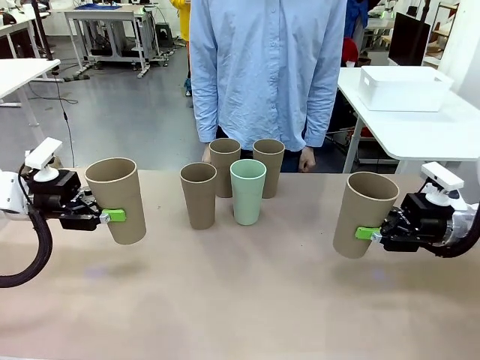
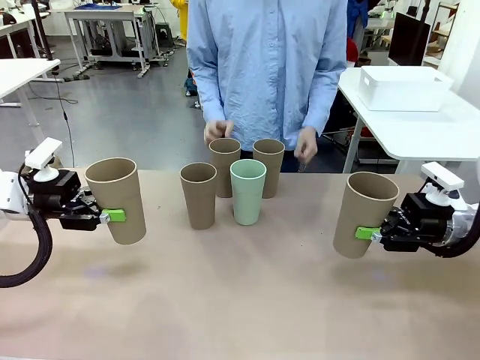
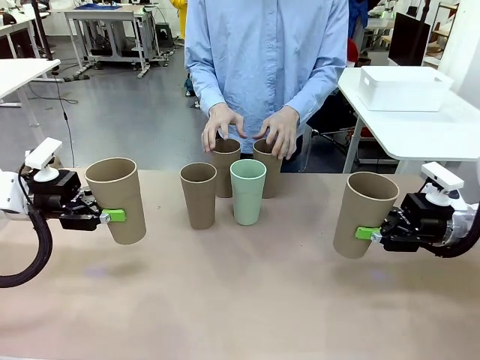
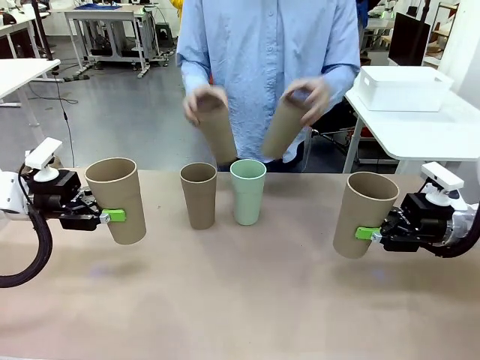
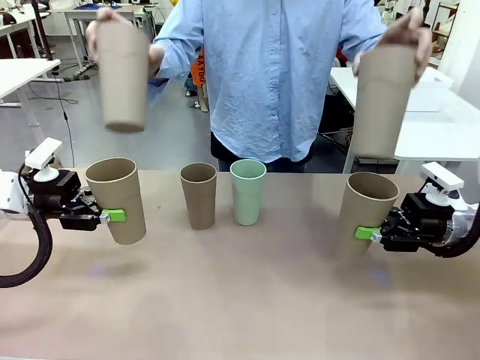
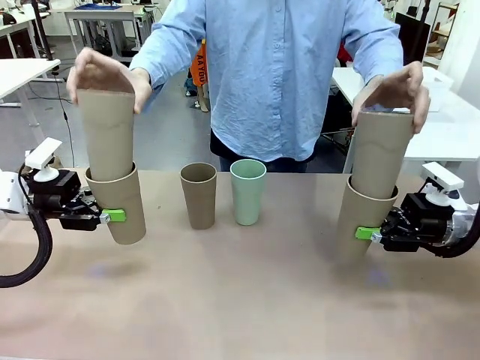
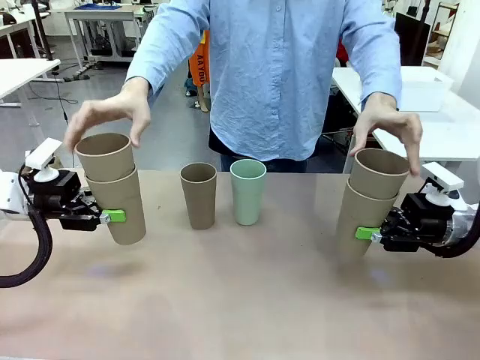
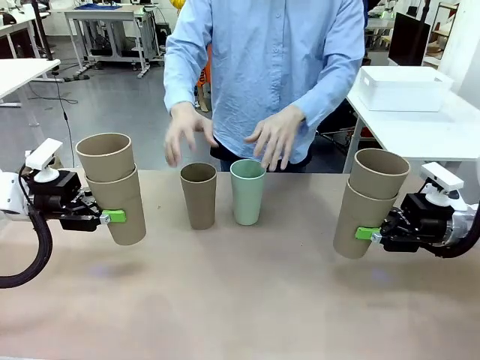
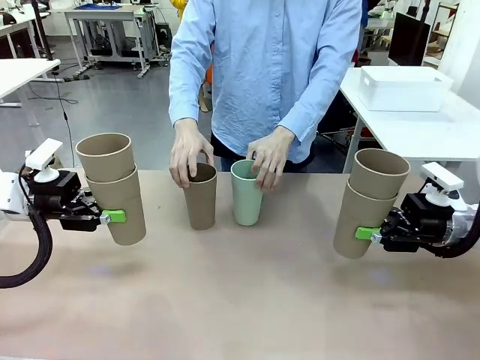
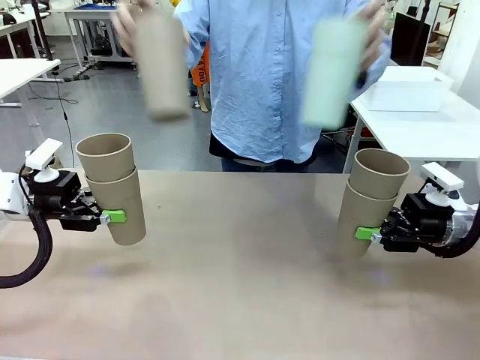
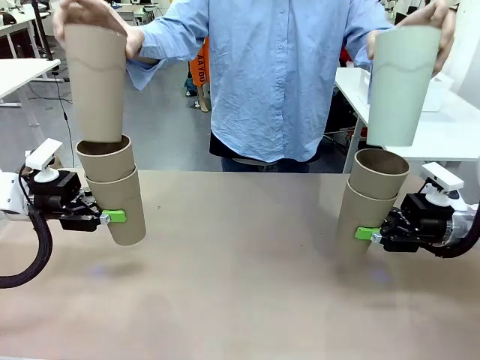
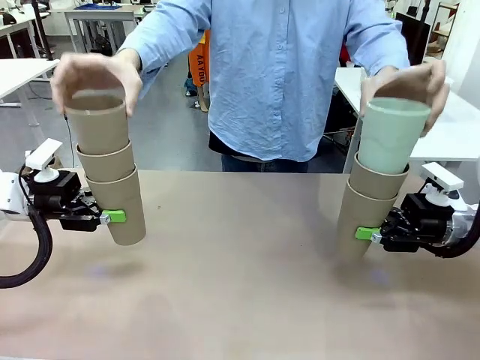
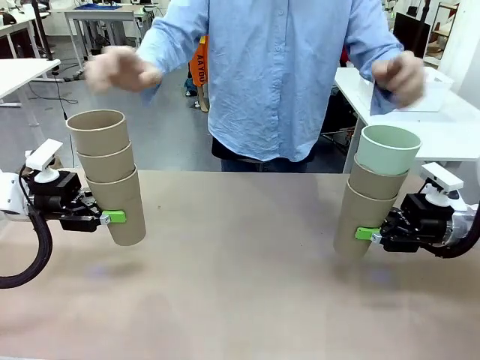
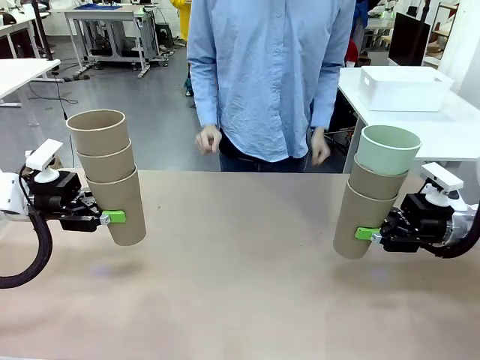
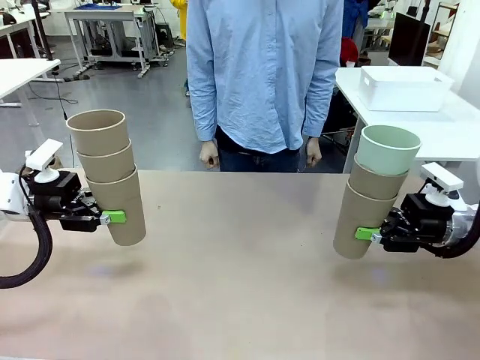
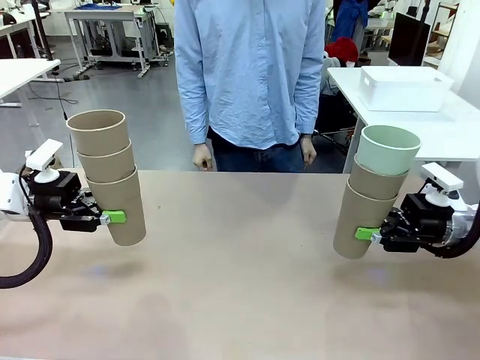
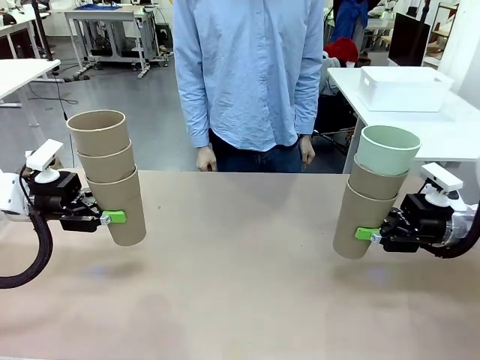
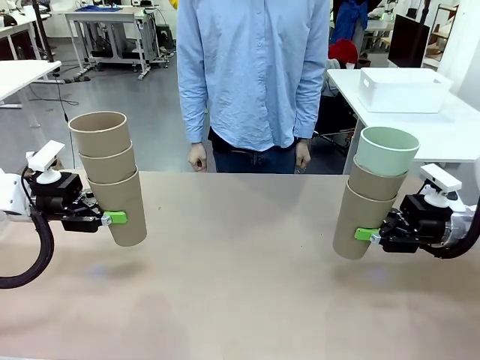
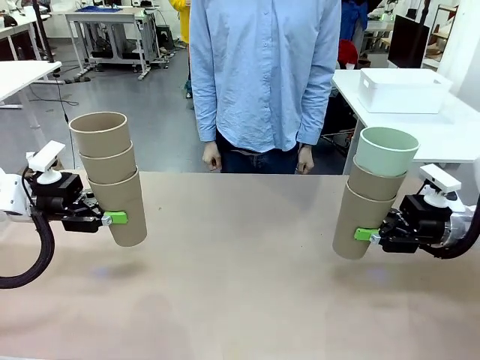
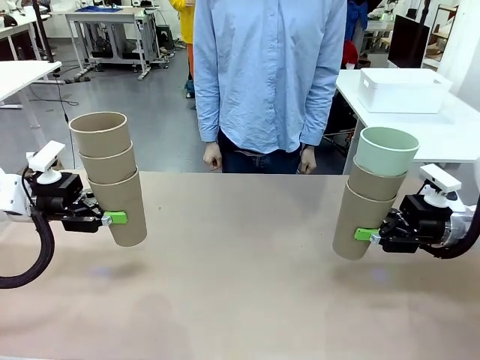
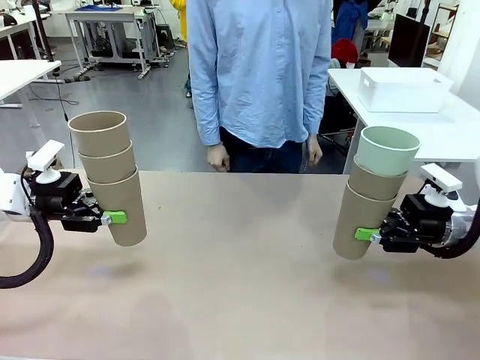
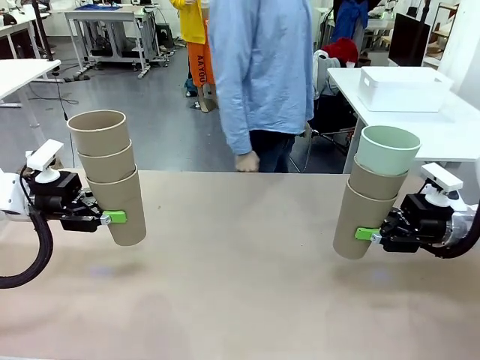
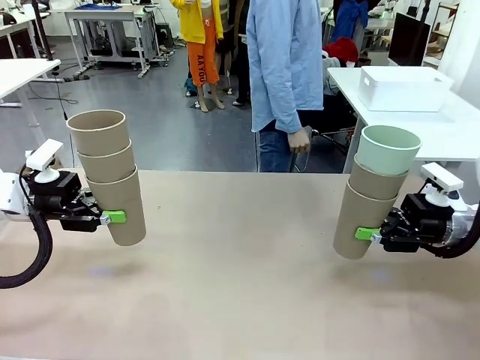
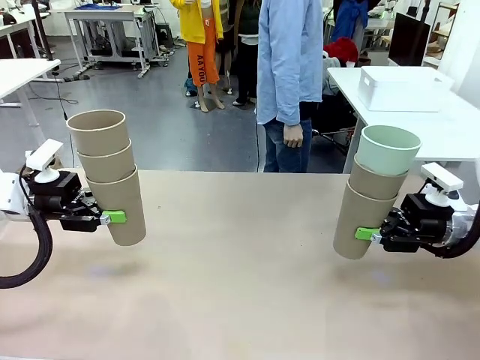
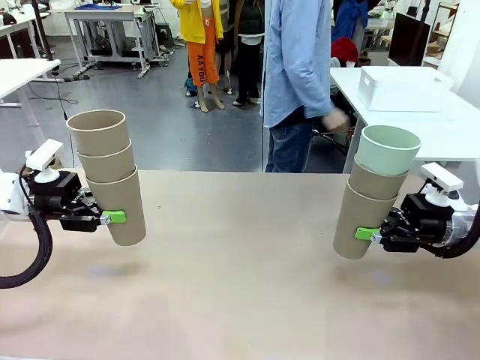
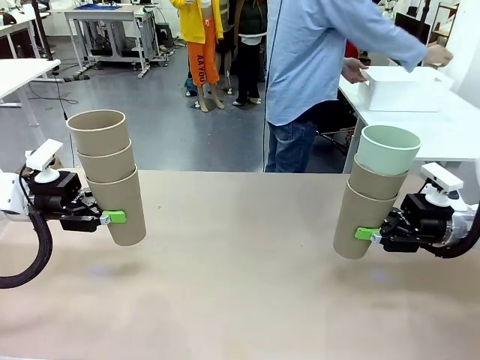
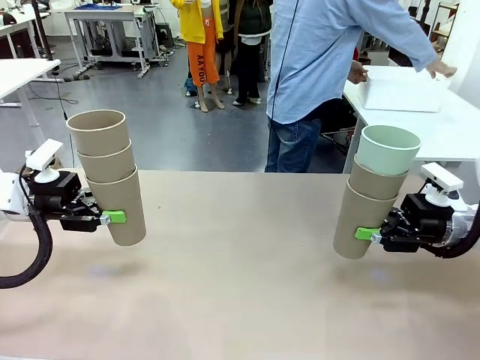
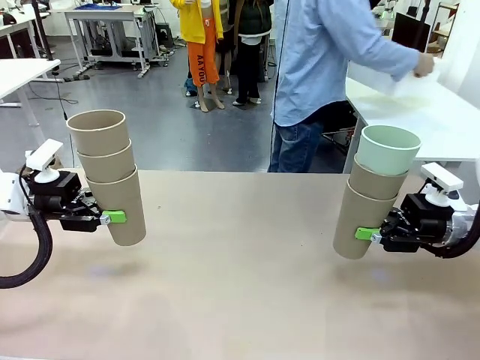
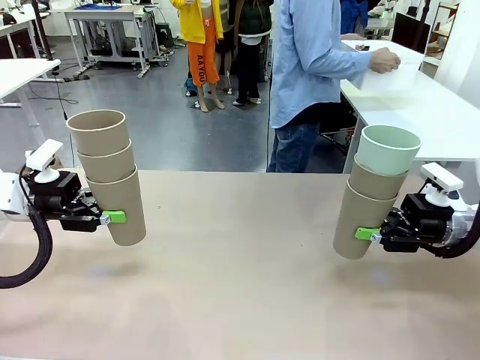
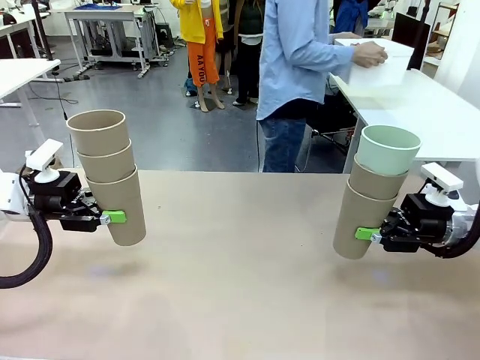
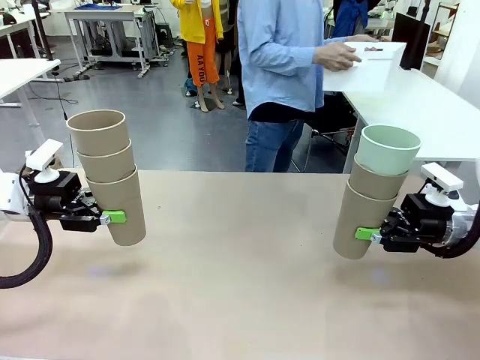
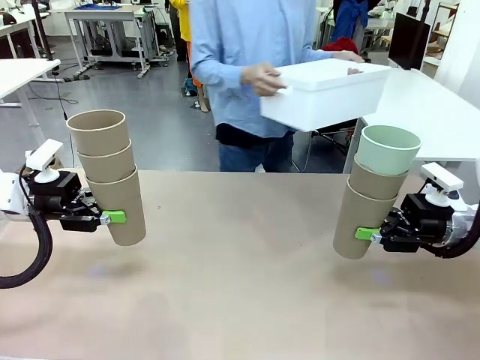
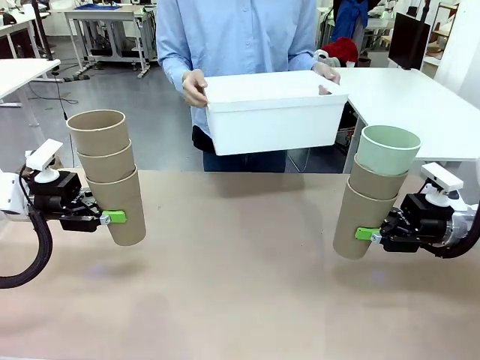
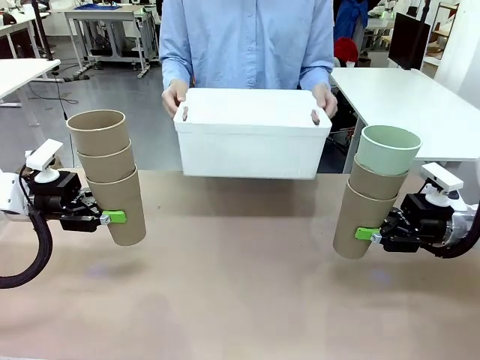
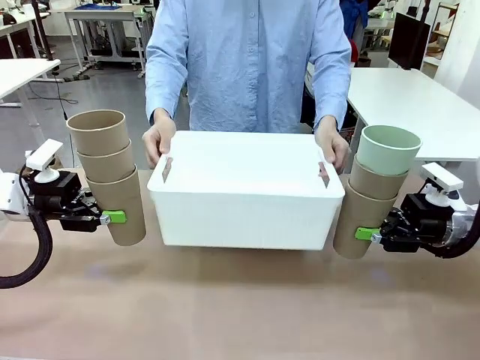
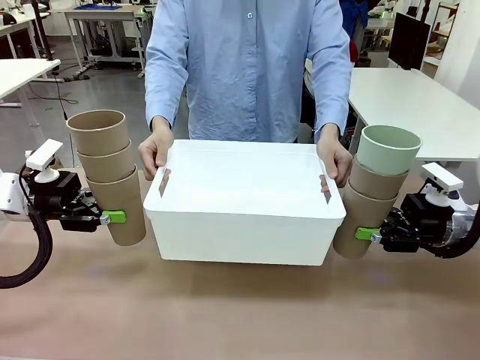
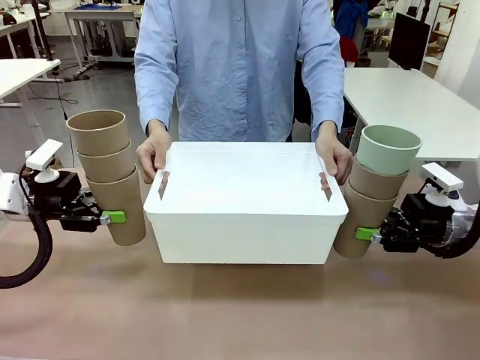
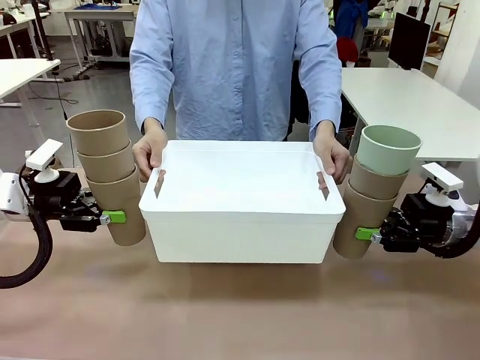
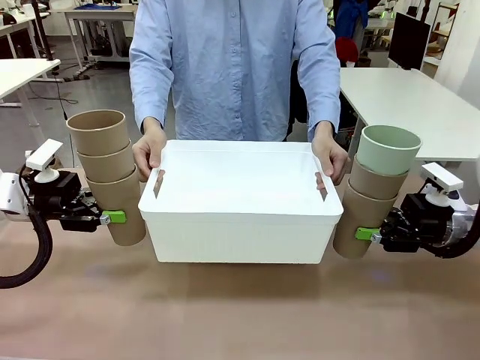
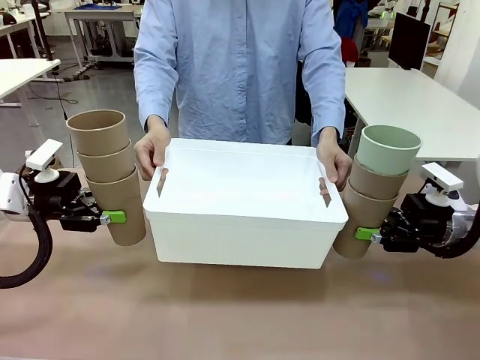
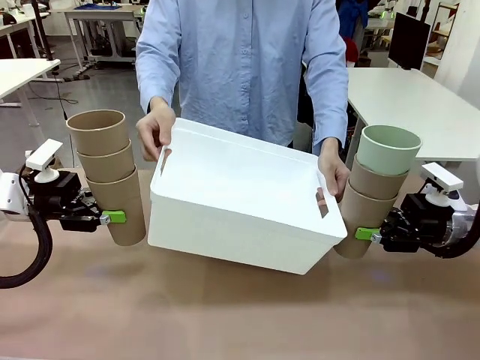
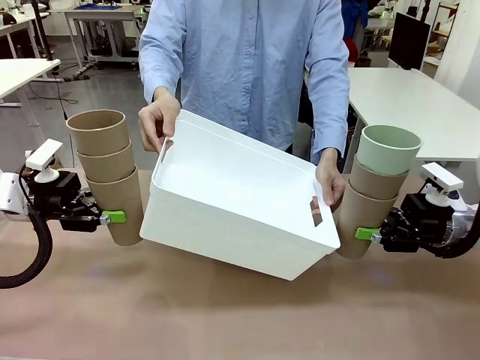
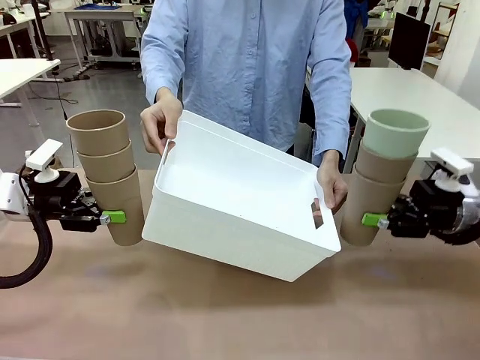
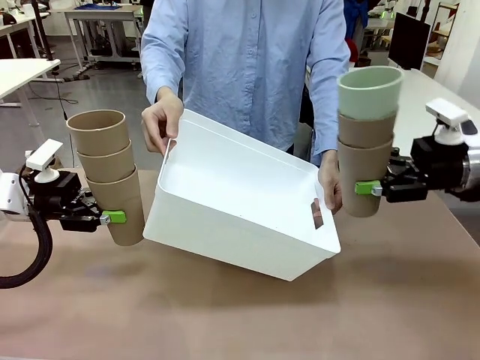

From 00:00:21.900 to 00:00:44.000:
Task: Stack the cups and store them in the basket.
Robot: Place the stack of Reusable plastic cups into the Pantry Basket.
Person: Pick up the basket from the Human Table, bring it to the front of the robot, and present it.

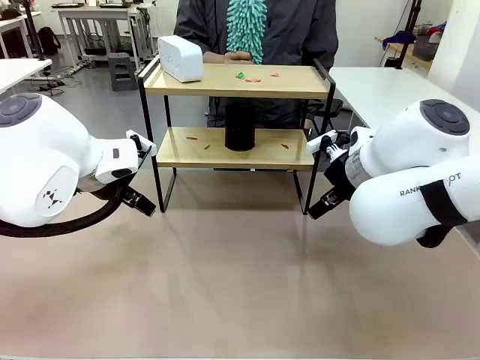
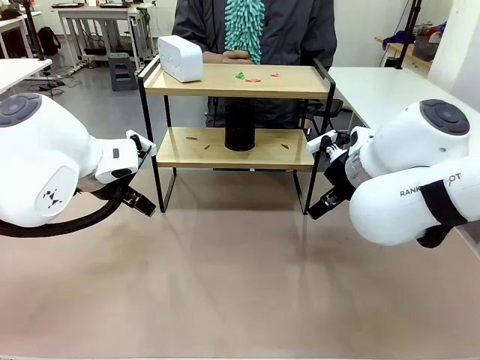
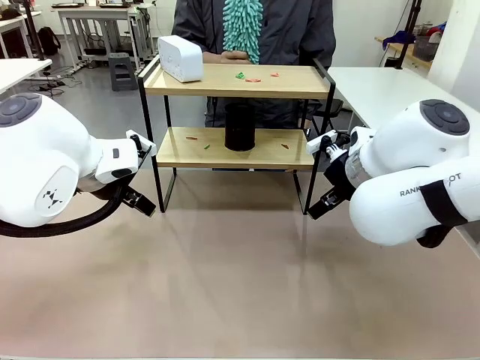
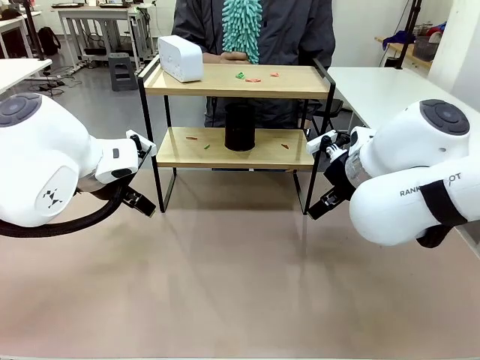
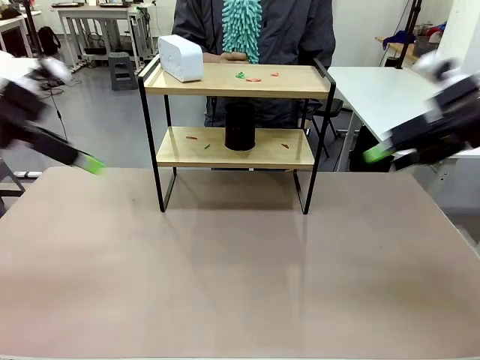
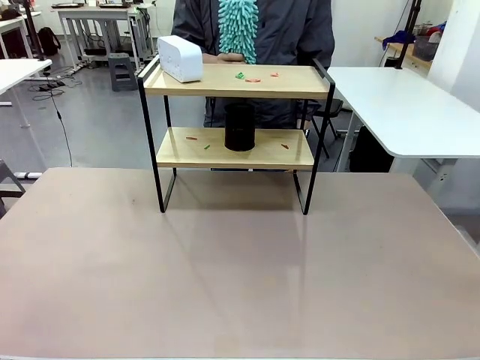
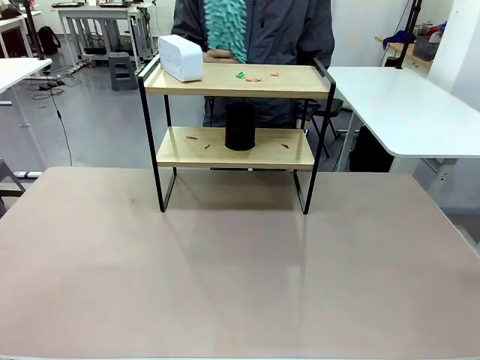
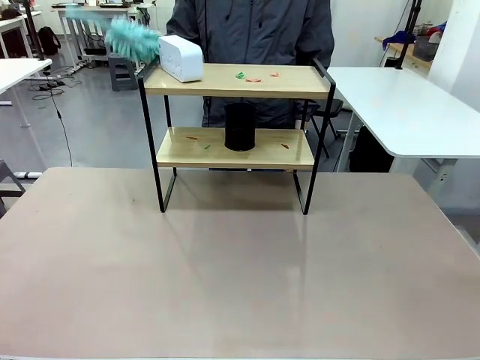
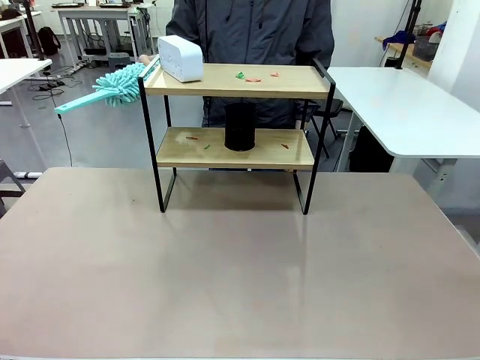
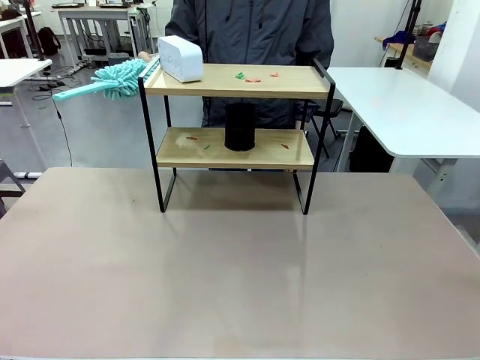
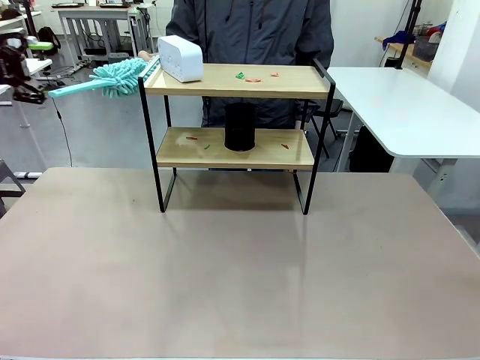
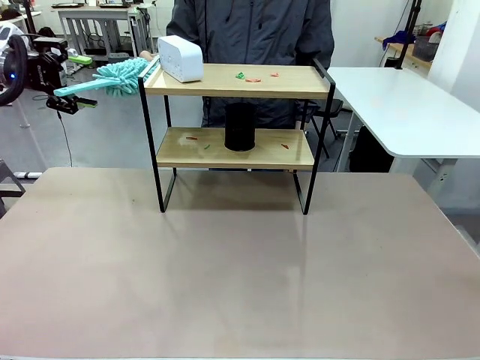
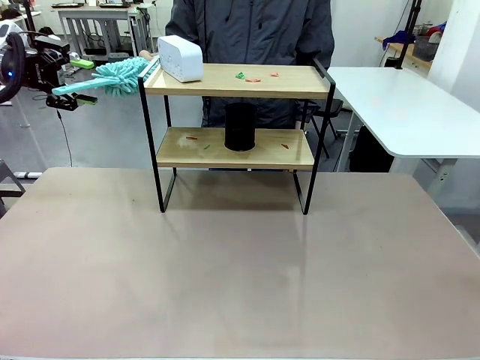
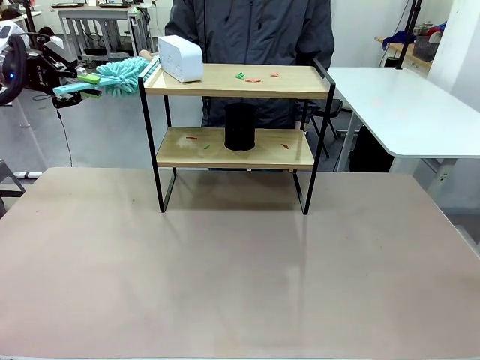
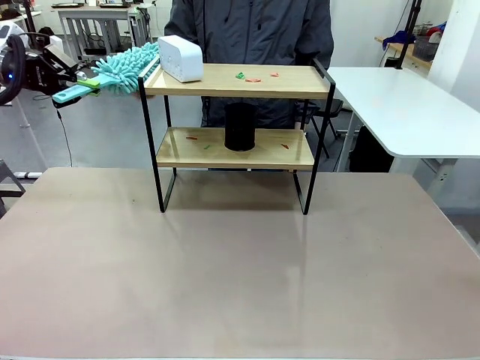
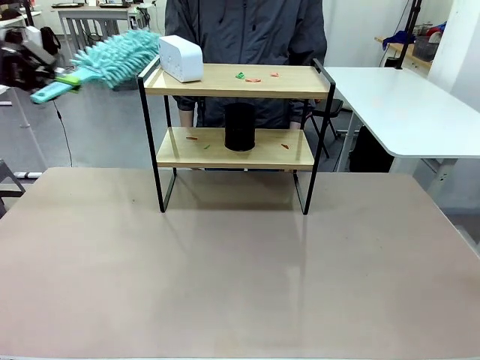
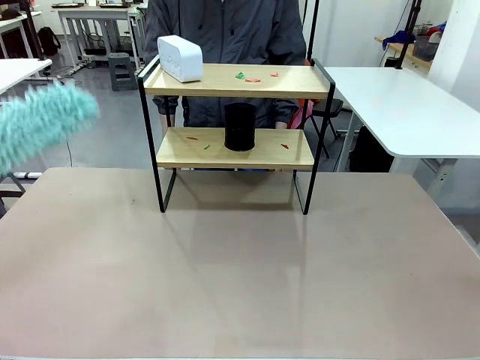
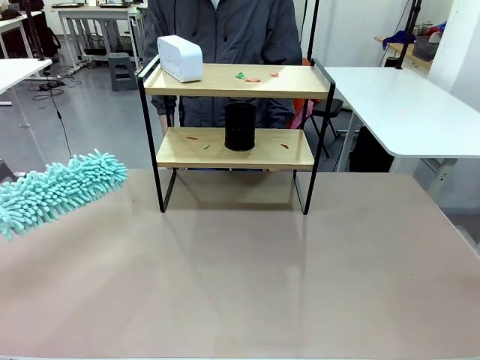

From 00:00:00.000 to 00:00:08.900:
Task: Clean the shelf.
Robot: Pick up the Duster from the human.
Person: Hand the Duster to the robot.
